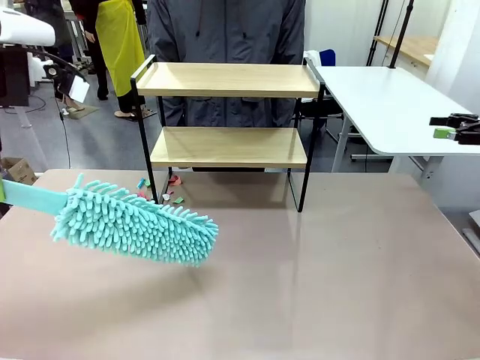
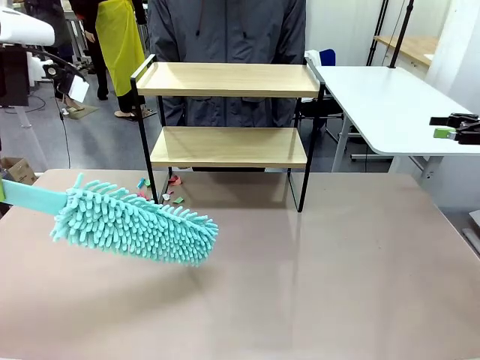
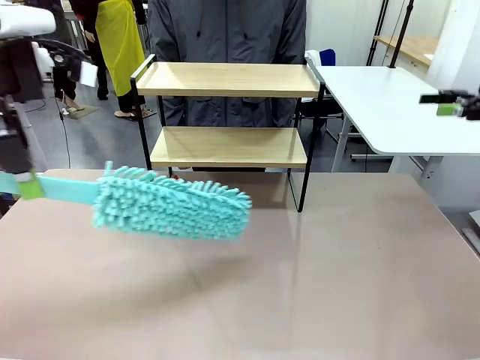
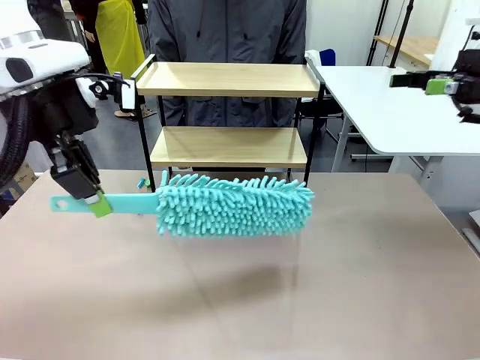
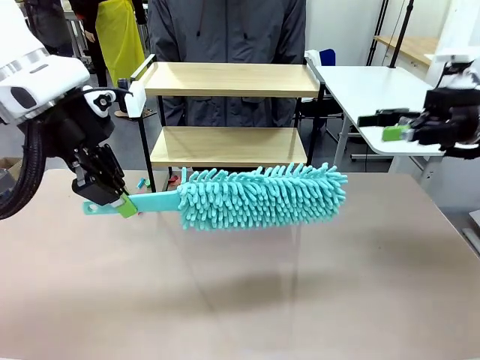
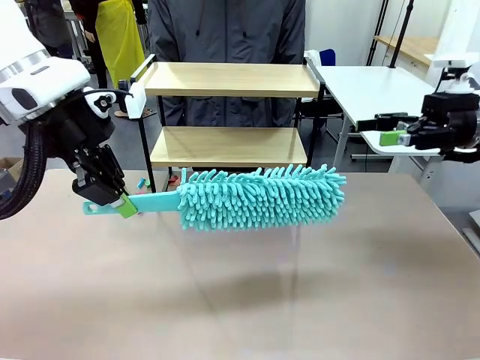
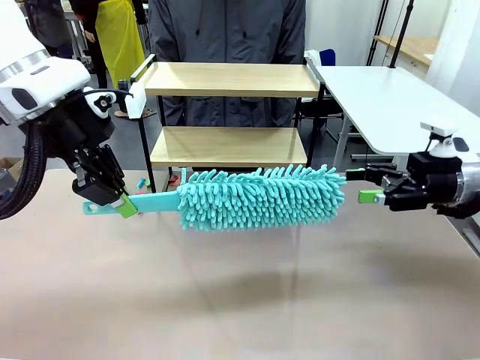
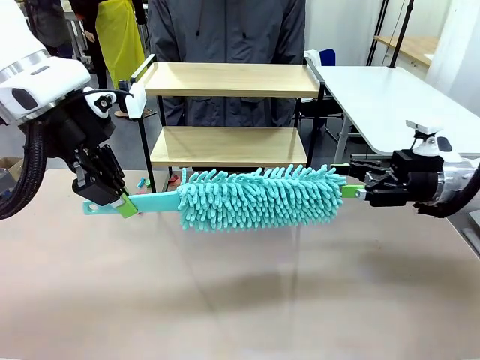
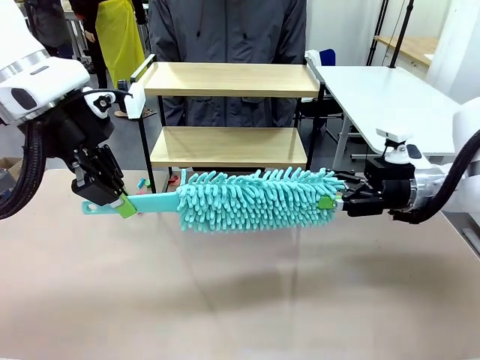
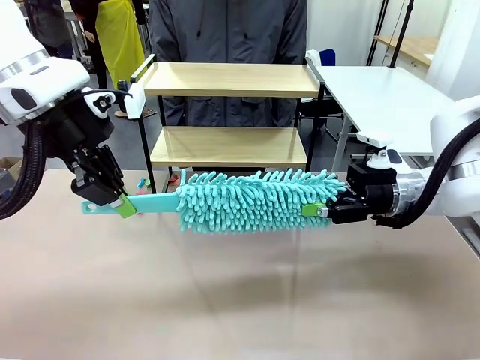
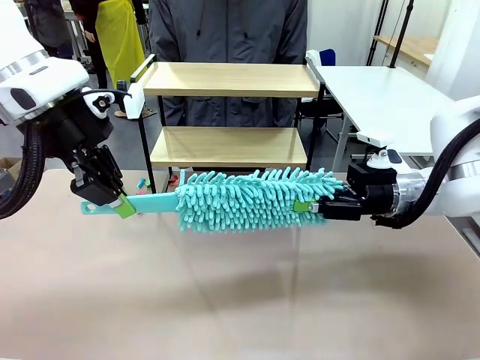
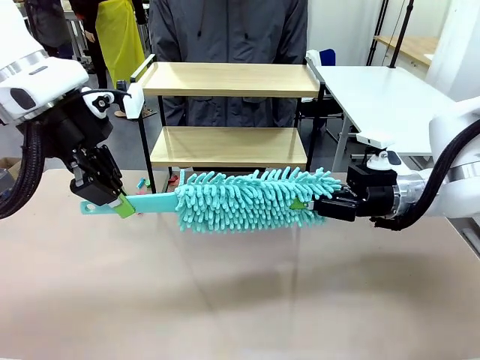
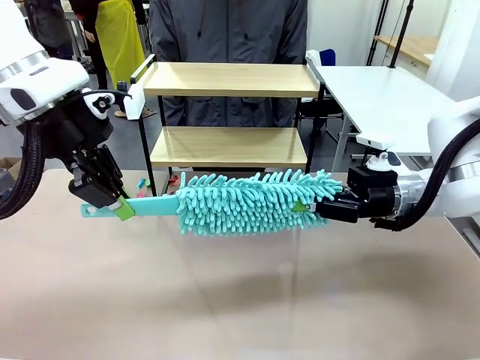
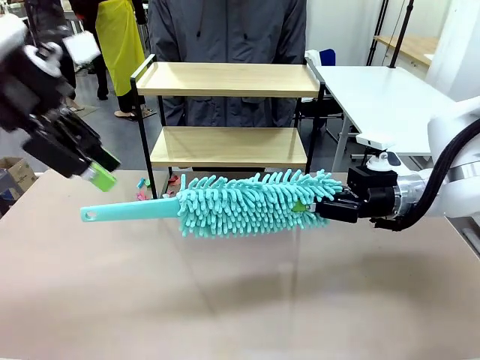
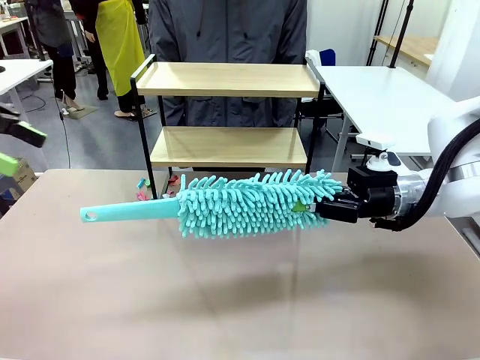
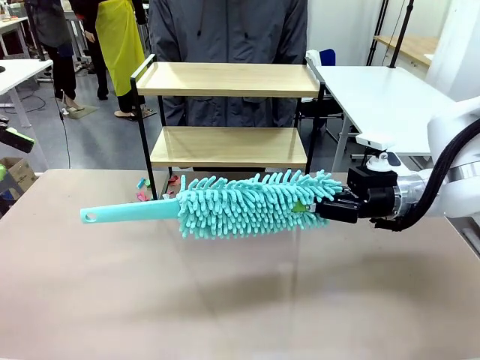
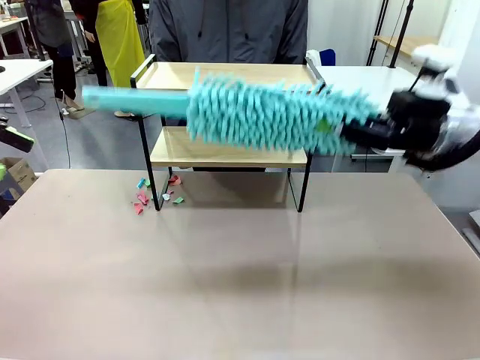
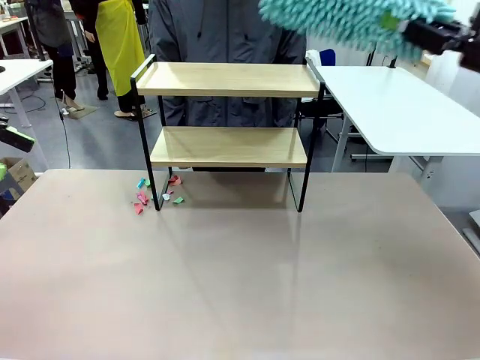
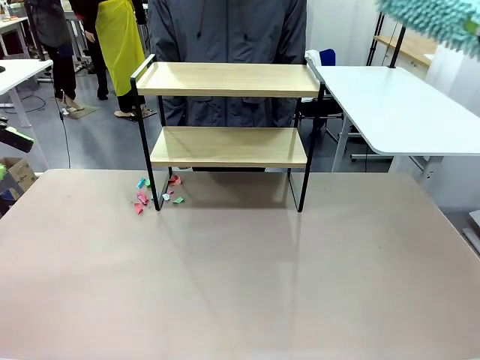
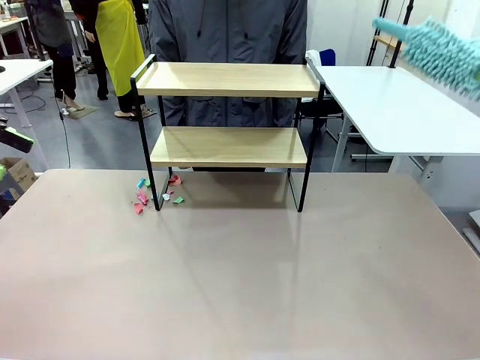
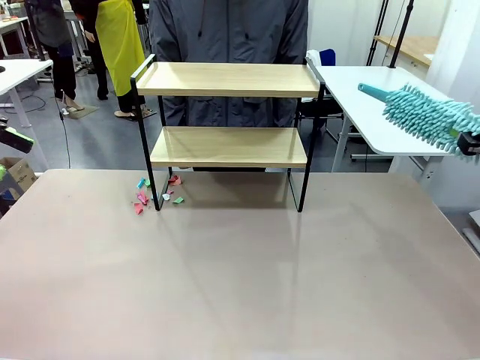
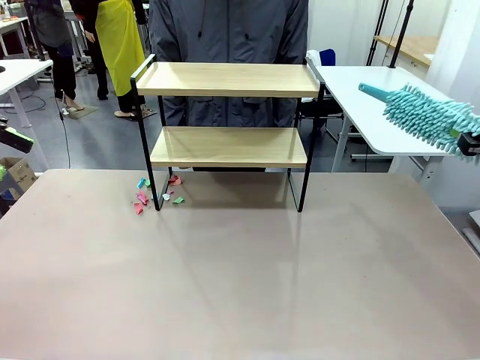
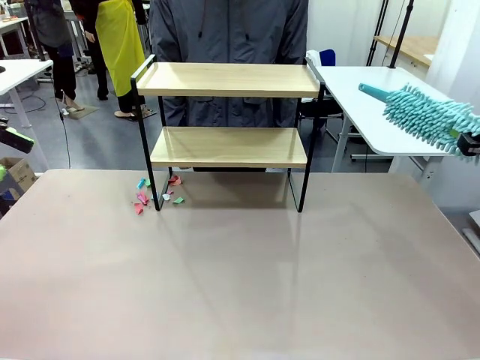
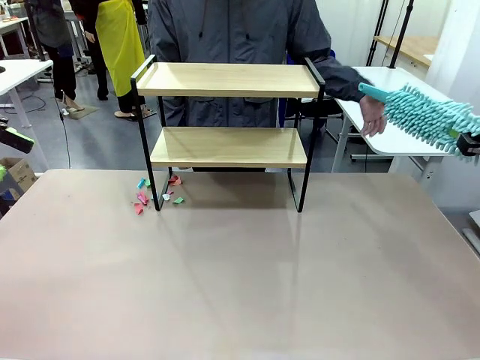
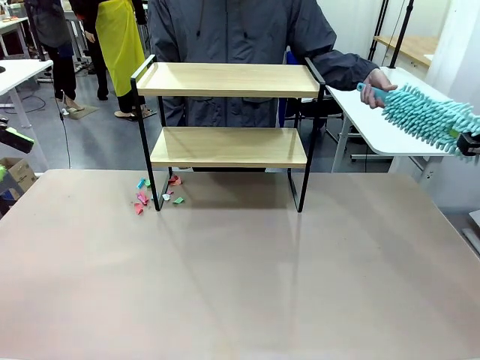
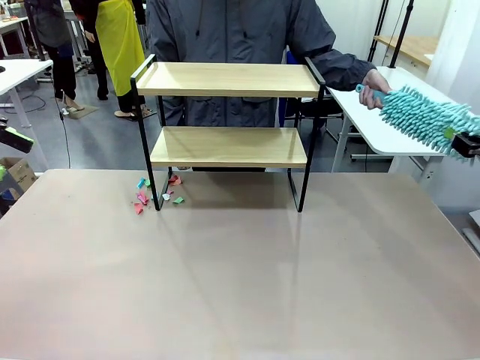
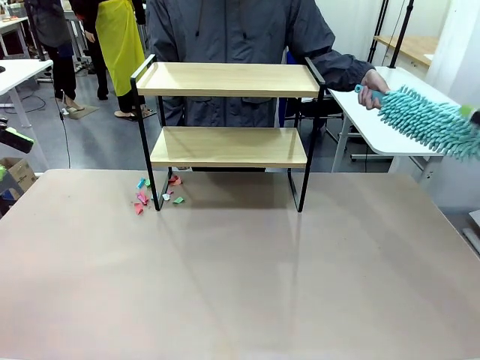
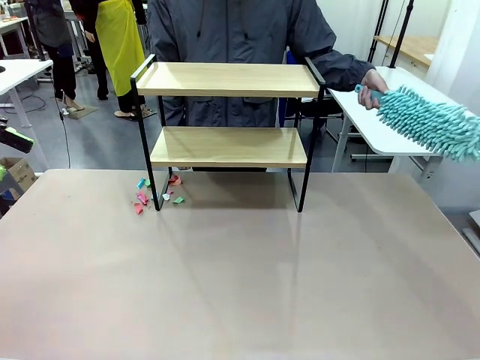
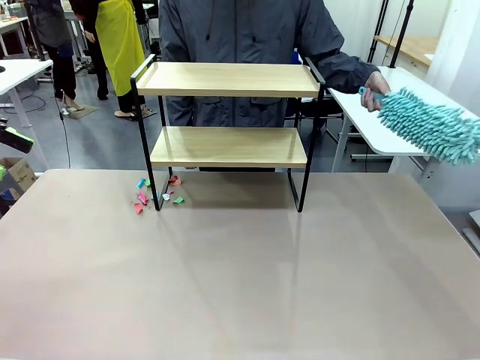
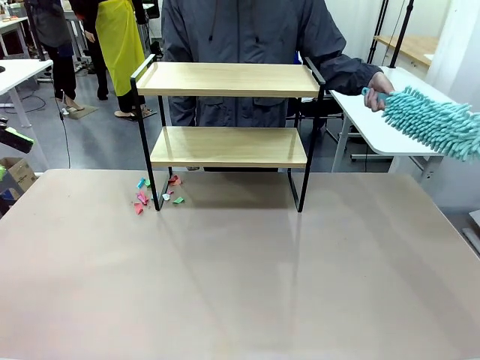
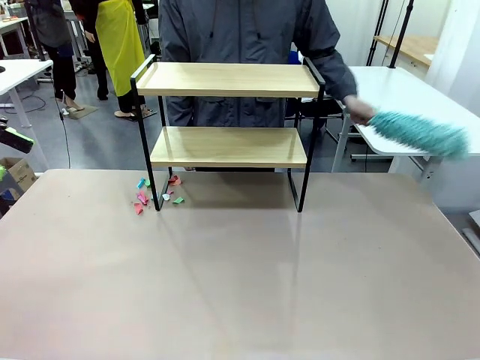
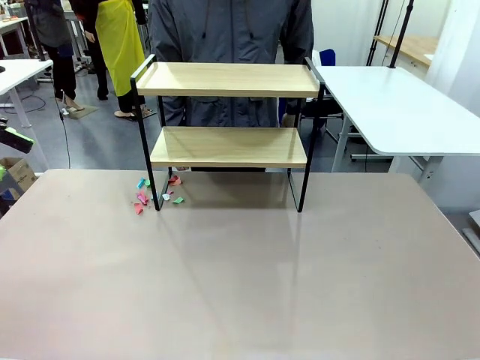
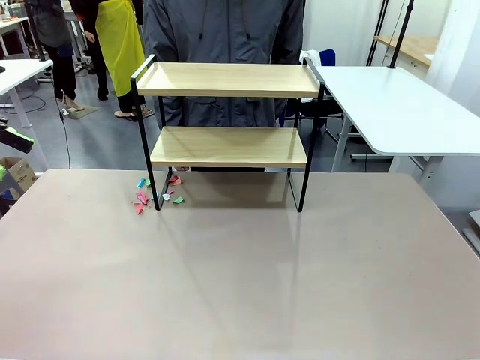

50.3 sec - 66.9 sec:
Task: Clean the shelf.
Robot: Hand the Duster back to the human.
Person: Receive the Duster from the robot.

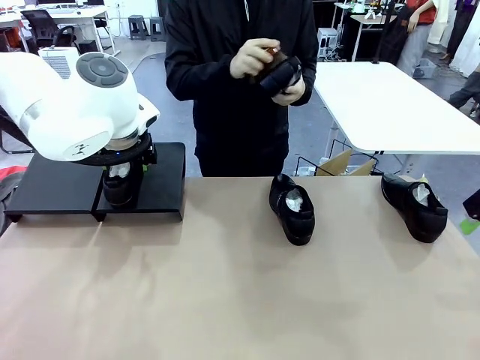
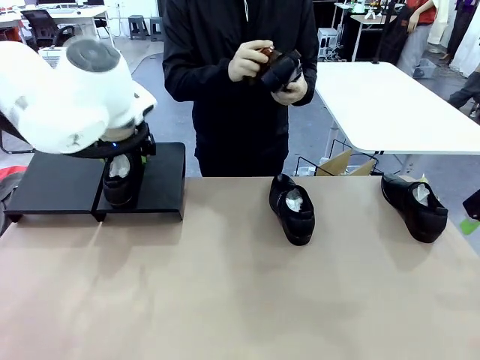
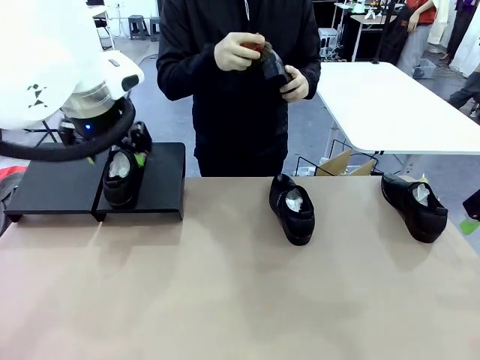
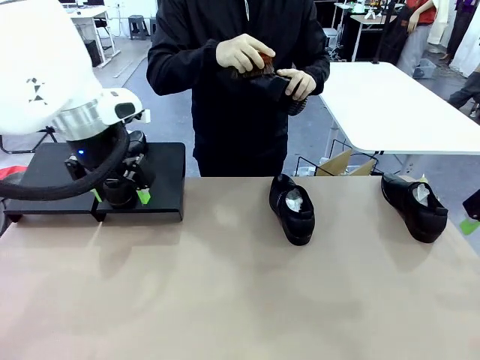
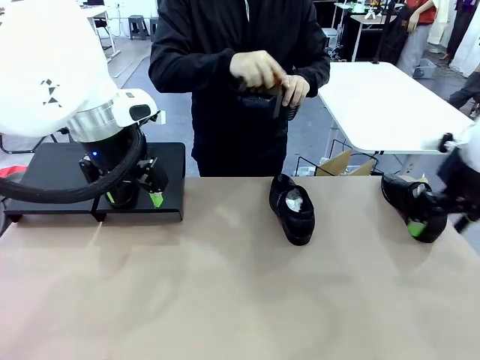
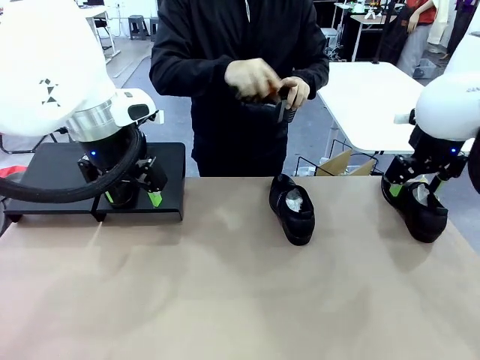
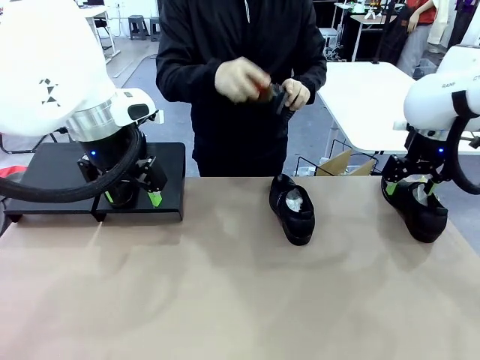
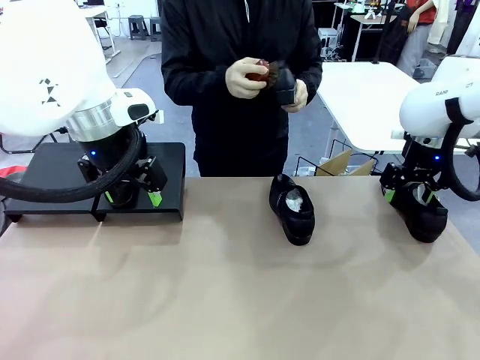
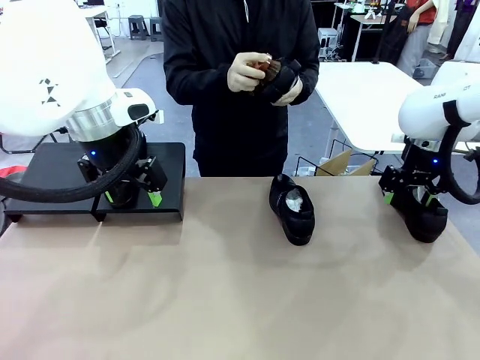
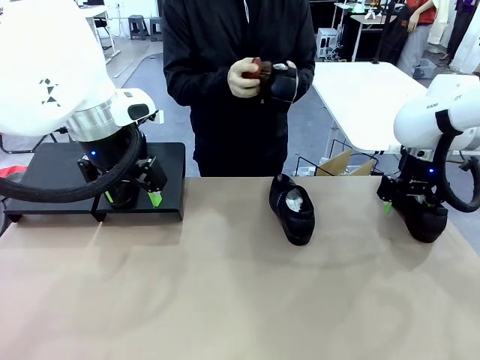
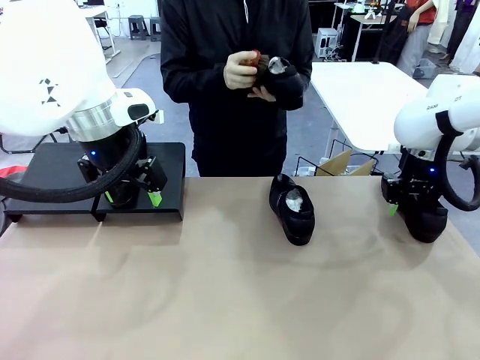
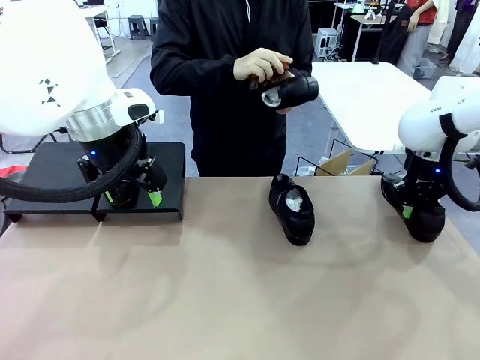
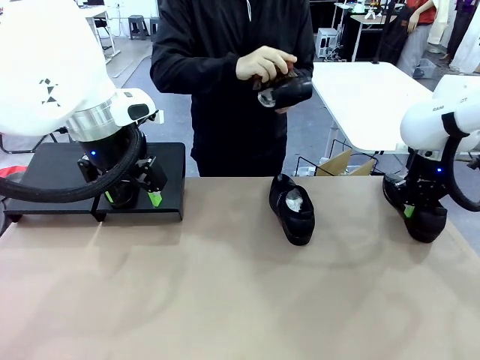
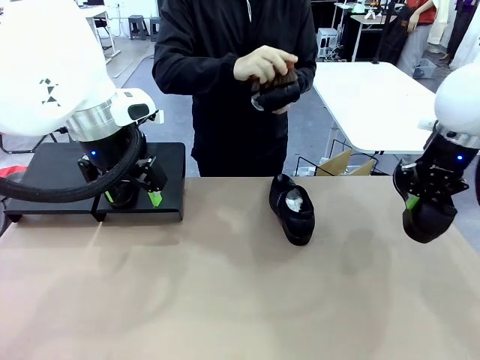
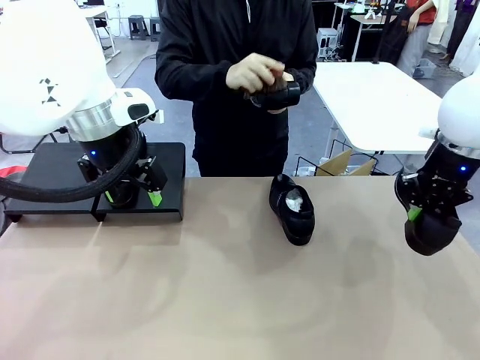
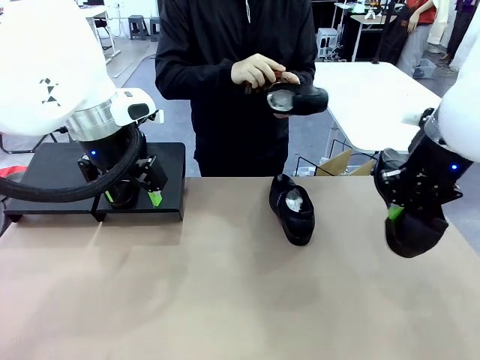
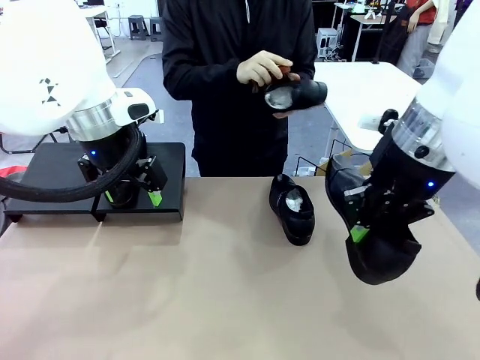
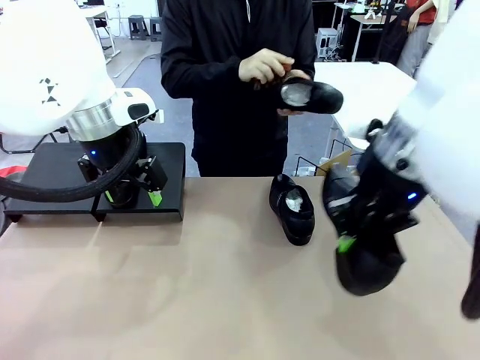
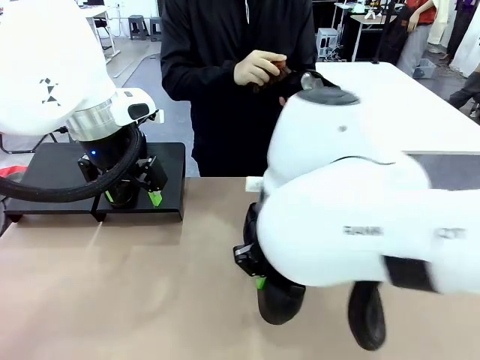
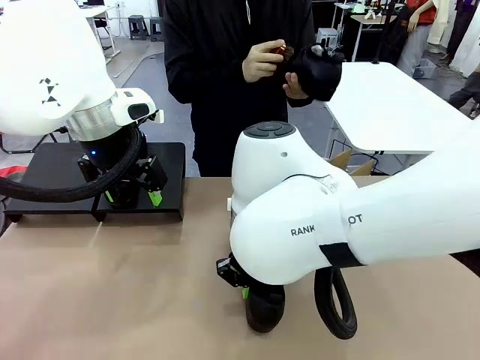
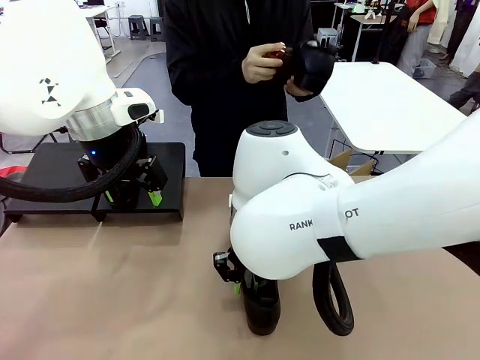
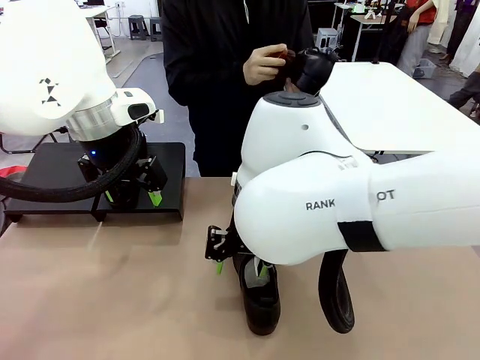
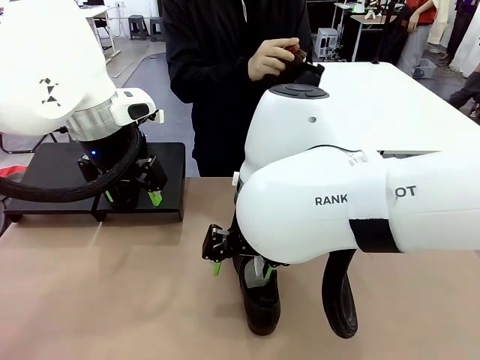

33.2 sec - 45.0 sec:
Task: Organize the shoes by placing them on the stand.
Robot: Pick up one Shoe and place it in the middle of the table.
Person: Clean the Shoe with the Shoe Brush.
